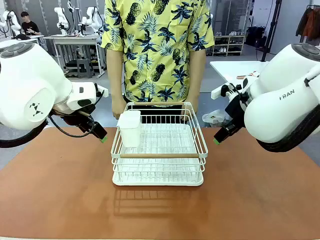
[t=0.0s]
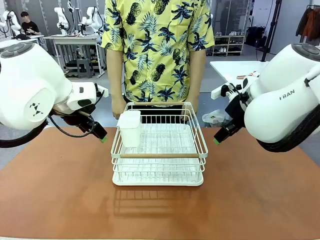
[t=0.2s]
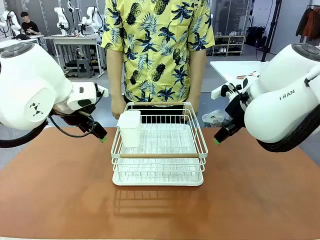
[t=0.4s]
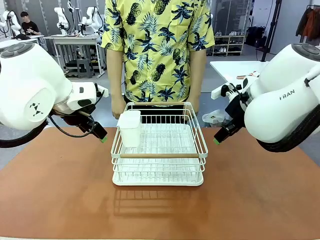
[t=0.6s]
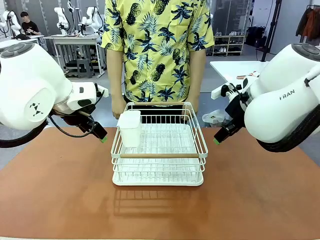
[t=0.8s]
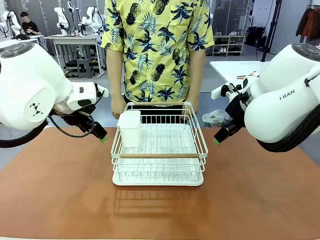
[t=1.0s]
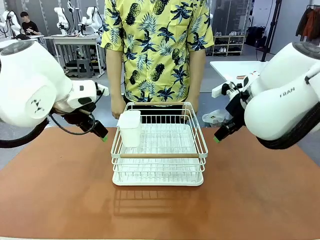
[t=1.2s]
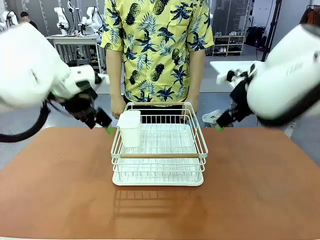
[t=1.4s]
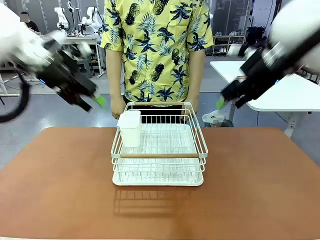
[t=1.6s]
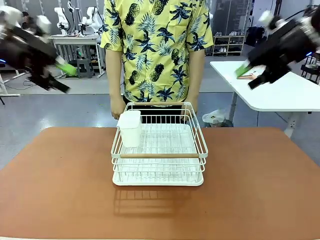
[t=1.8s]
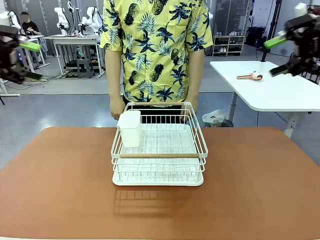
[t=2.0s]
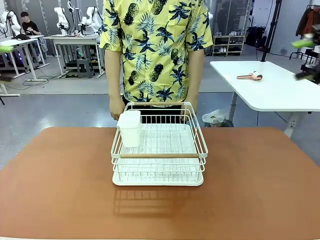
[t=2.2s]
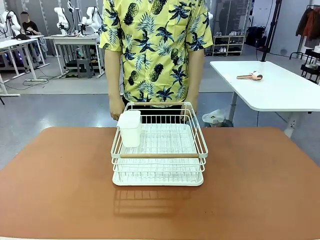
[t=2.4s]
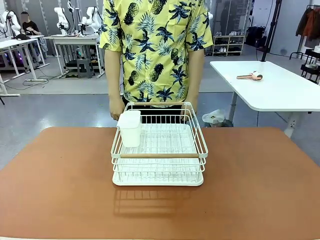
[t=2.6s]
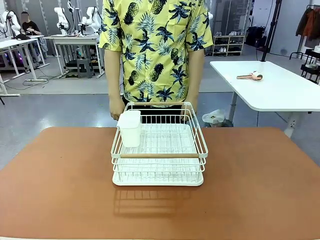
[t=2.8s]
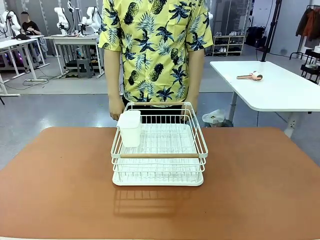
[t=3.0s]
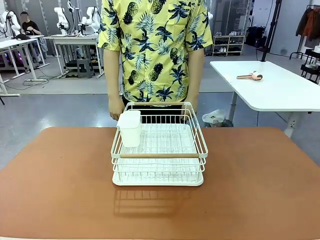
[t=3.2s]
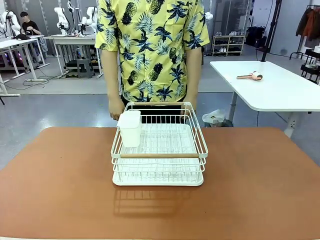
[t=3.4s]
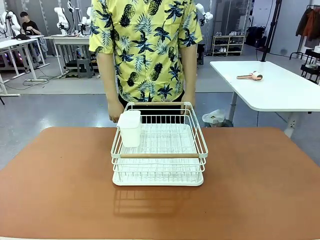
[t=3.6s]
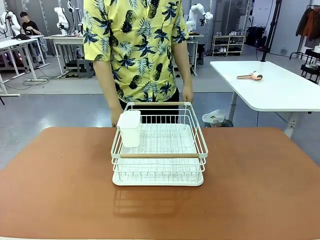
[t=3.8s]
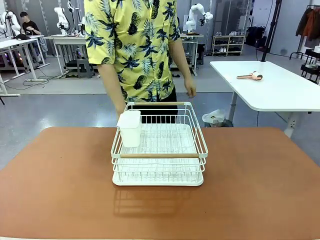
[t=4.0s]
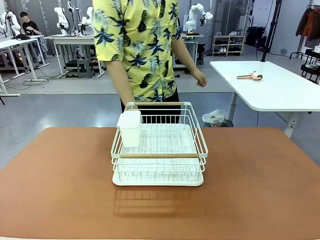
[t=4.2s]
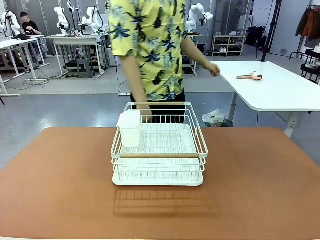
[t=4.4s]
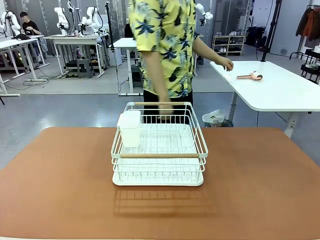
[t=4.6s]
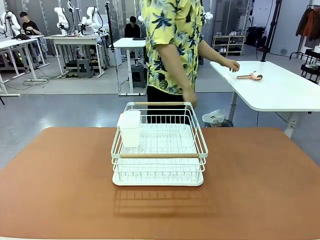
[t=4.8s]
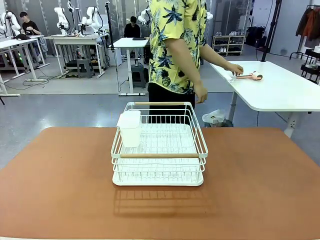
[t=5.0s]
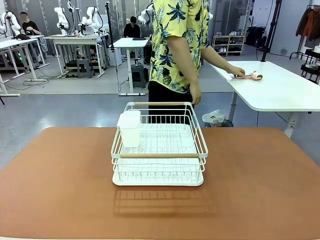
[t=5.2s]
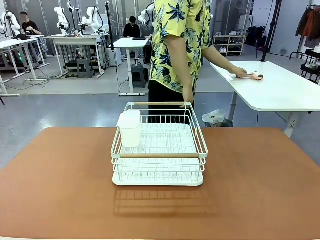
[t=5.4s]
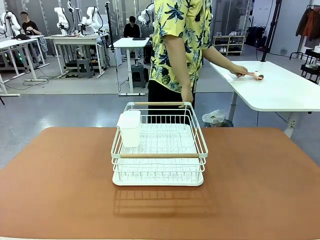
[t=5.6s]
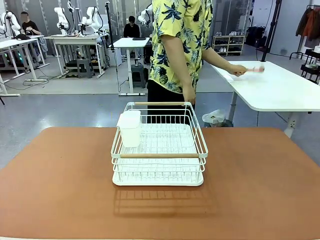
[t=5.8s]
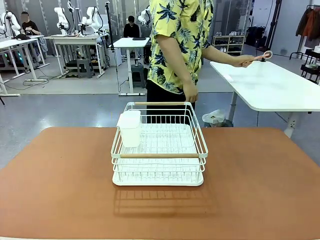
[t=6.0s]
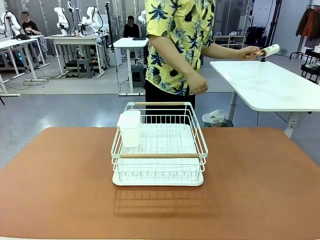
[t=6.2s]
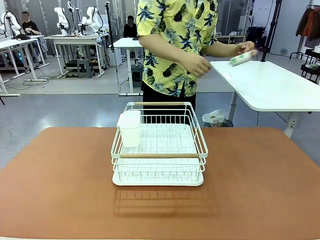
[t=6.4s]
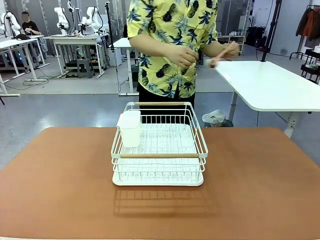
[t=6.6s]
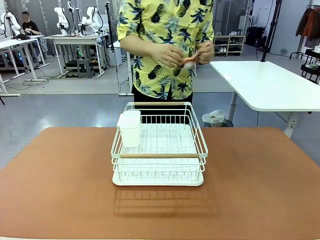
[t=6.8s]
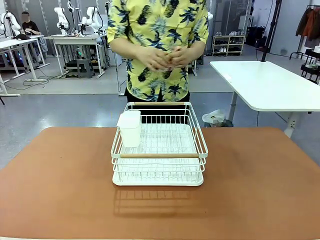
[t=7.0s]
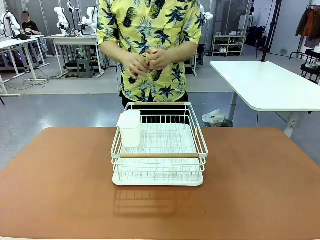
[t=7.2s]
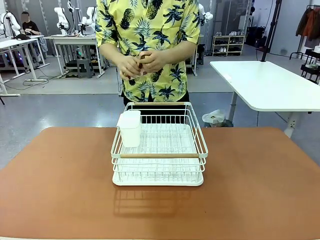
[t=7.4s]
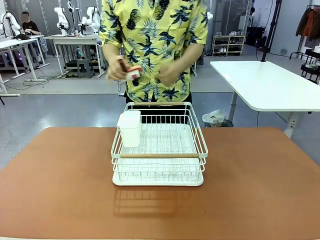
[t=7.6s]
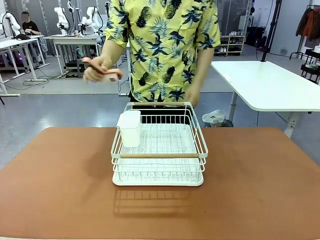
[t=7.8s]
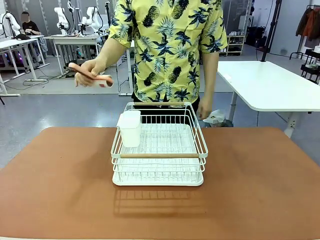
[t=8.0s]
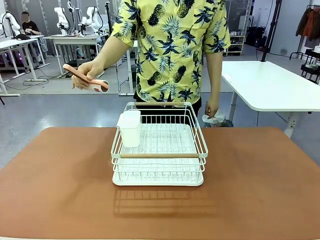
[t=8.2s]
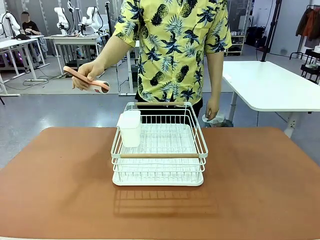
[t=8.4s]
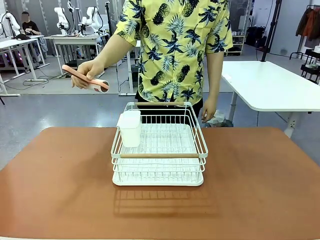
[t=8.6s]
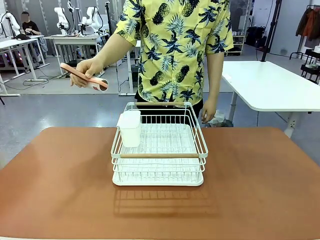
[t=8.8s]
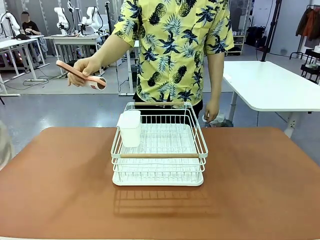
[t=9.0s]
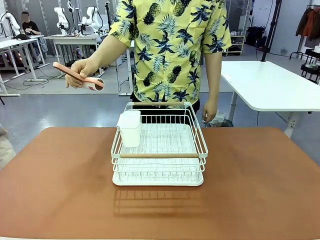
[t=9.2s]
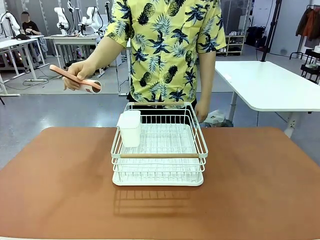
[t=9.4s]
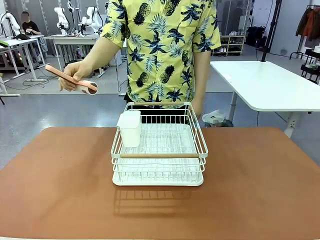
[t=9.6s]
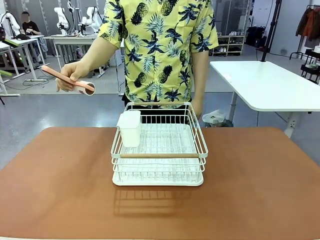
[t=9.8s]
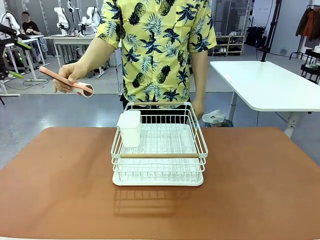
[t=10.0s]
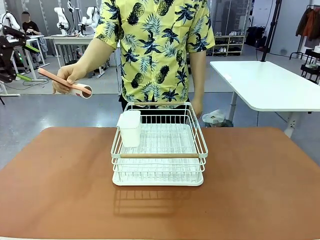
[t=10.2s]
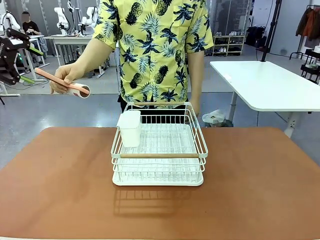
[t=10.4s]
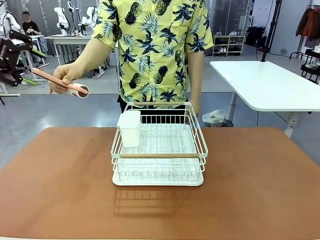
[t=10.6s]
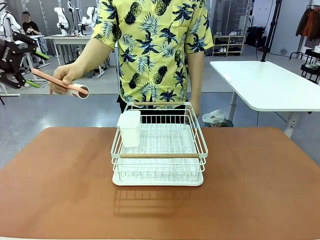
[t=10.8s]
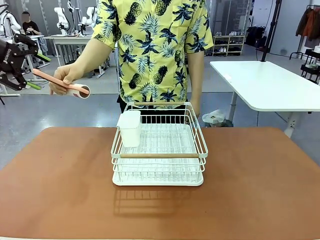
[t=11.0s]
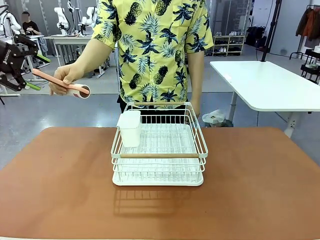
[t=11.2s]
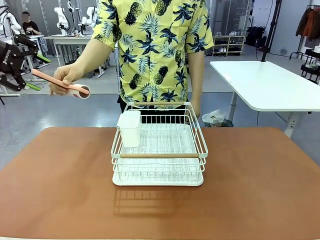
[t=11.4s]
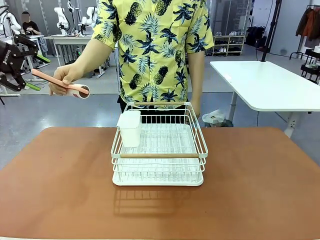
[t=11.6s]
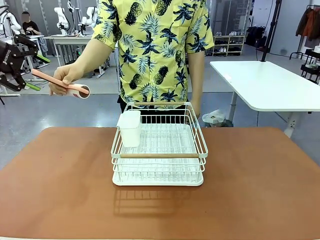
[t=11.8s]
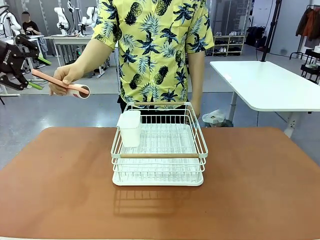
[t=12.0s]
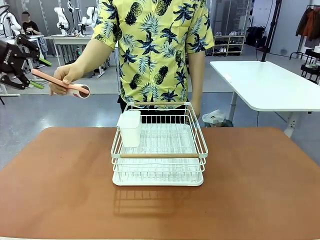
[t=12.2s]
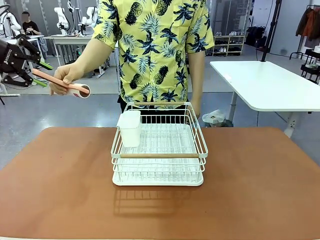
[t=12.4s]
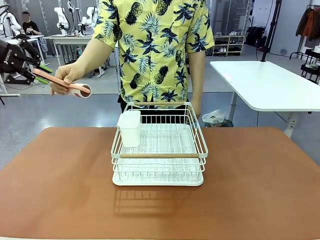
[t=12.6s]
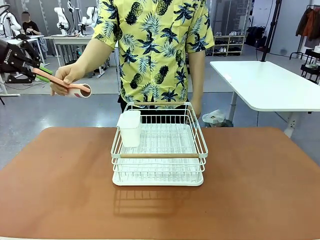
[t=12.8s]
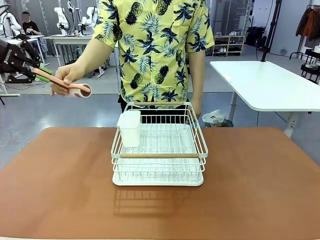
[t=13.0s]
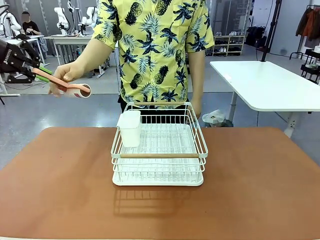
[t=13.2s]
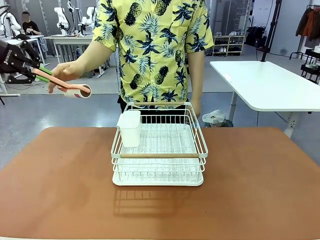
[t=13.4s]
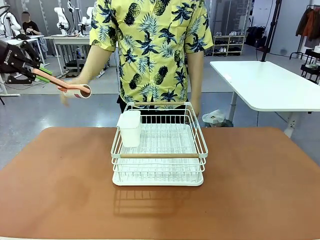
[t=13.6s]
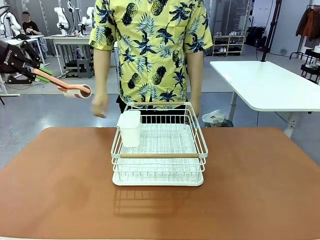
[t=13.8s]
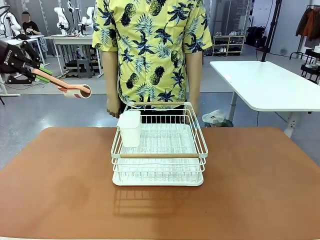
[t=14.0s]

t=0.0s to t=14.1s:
Task: Clean the table.
Robot: Pick up the Lint Roller when the human hands it over.
Person: Hand the Lint Roller to the robot so it can easily pick it up. Lift the Dish drying rack.
